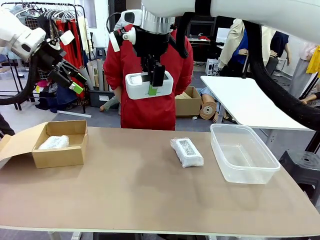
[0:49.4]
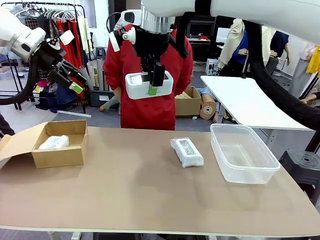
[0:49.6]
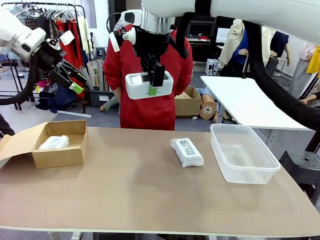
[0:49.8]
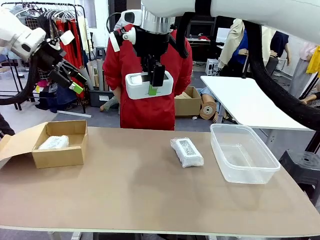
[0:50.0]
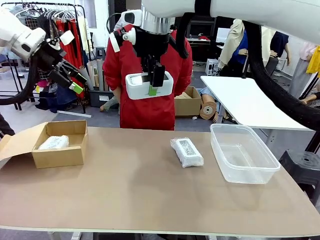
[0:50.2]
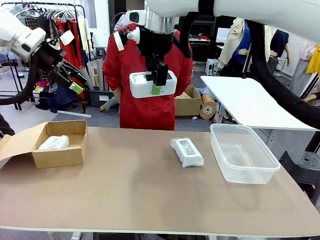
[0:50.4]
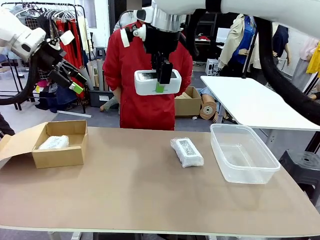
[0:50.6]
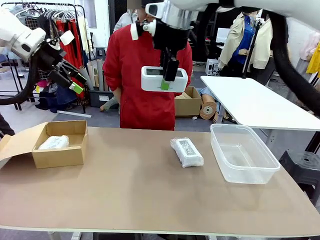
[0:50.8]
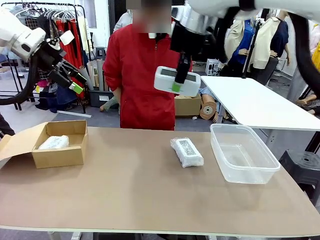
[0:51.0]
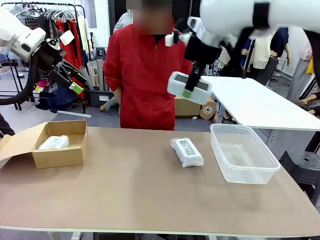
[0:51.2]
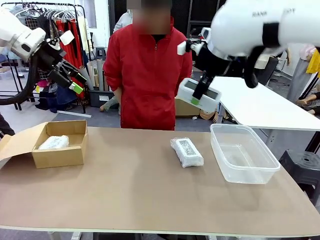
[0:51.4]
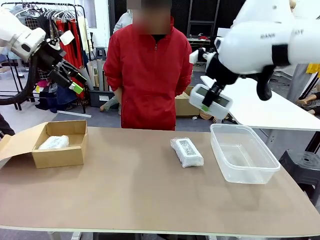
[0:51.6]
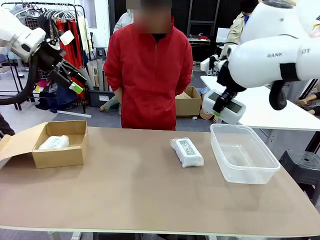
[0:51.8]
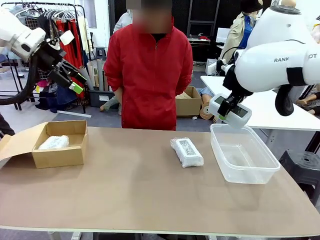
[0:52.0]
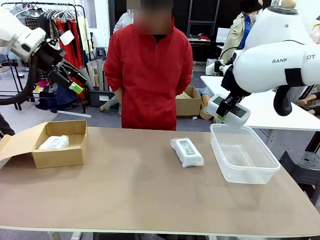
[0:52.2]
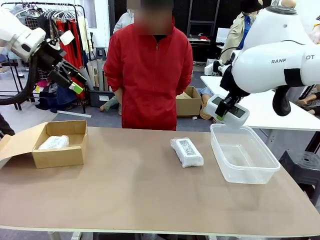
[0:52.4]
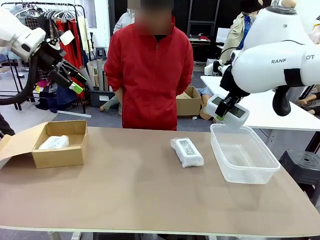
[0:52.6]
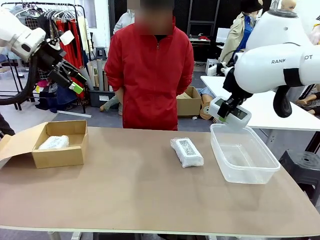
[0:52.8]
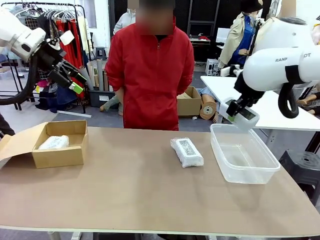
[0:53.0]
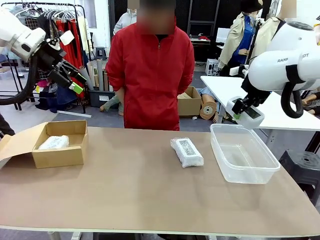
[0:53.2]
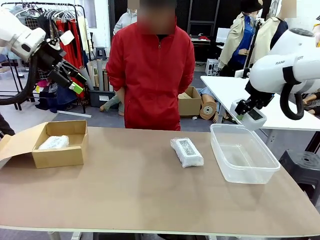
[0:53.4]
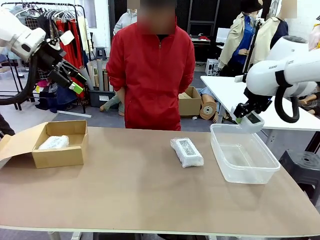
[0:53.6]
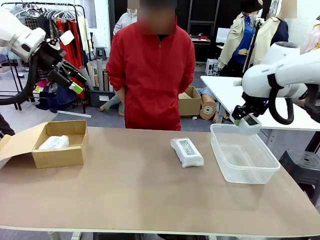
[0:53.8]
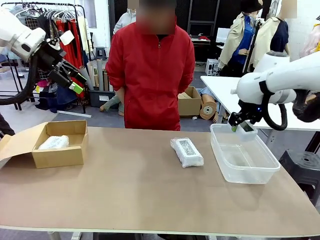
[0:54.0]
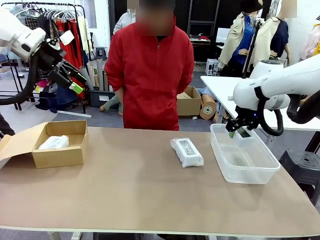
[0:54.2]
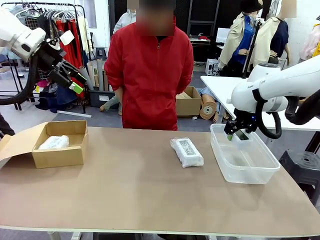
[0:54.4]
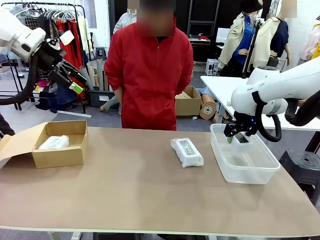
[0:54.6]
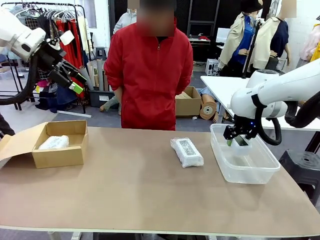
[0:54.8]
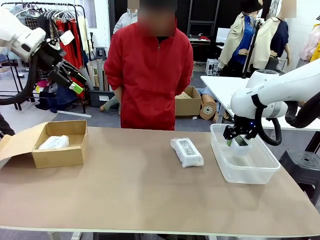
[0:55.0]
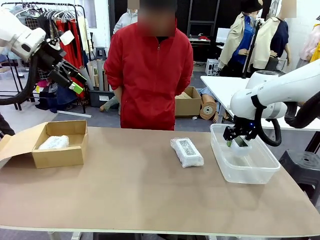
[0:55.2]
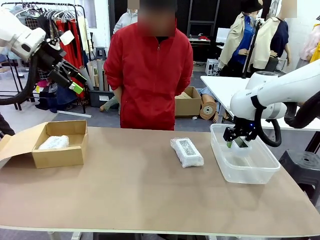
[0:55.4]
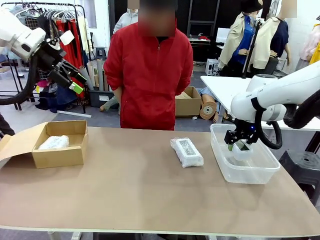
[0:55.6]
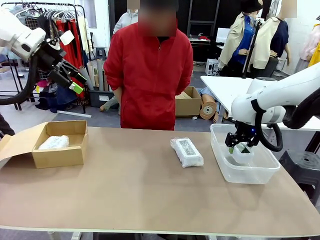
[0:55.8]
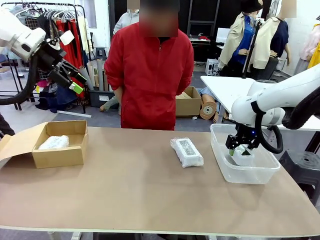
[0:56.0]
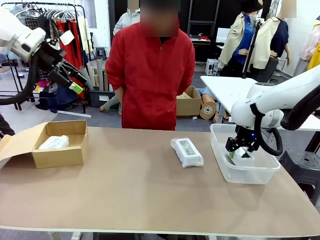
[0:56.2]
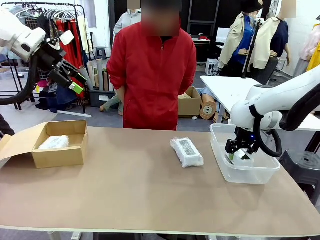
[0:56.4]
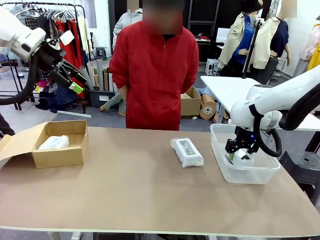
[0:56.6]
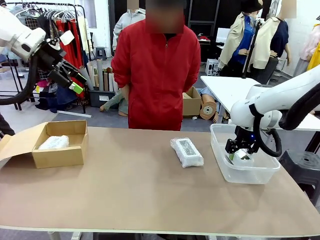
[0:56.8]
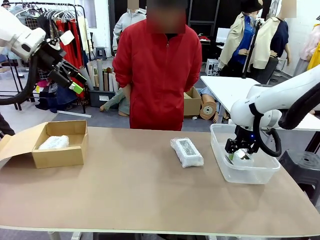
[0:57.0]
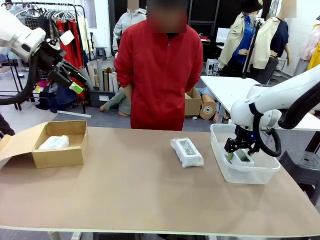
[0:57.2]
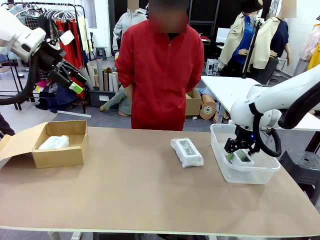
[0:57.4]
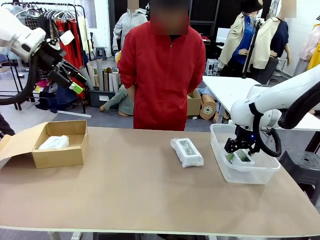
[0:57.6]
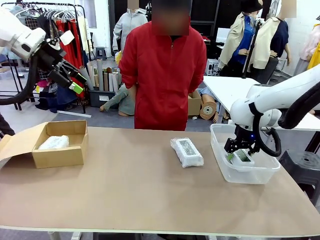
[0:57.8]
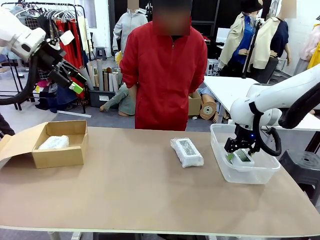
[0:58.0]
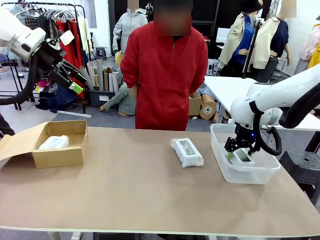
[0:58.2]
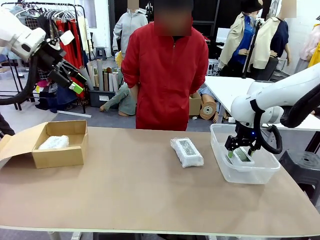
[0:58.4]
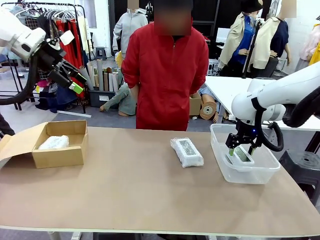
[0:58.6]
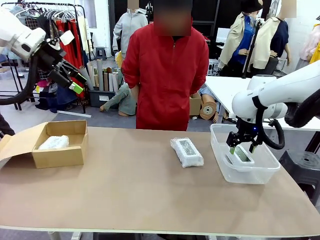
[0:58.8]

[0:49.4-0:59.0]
Task: Separate and place wrapped and unwrapped clocks.
Robot: If the picked Digital clock is wrapped, place it in the Package Box ; if not, place it in the Organizing box.

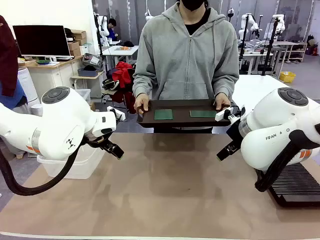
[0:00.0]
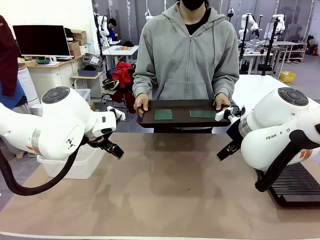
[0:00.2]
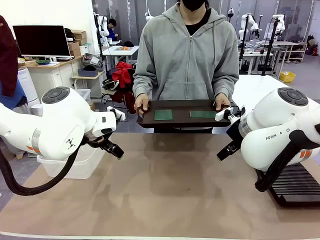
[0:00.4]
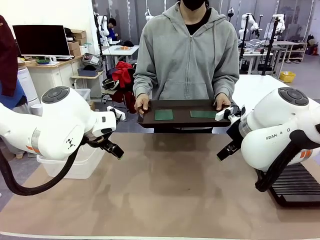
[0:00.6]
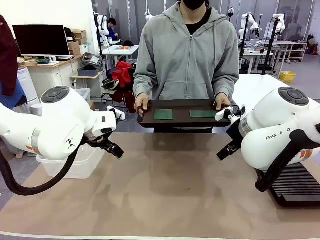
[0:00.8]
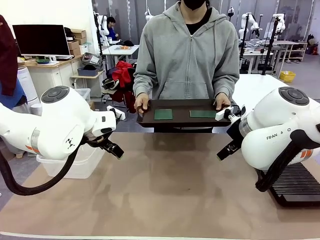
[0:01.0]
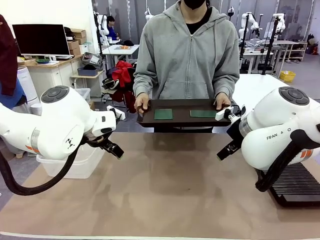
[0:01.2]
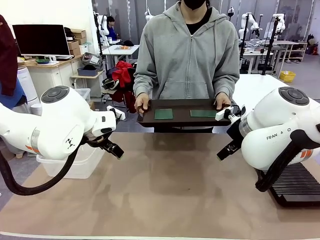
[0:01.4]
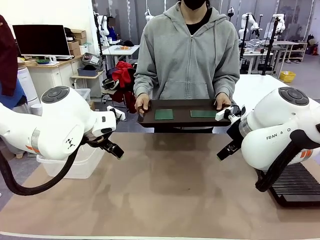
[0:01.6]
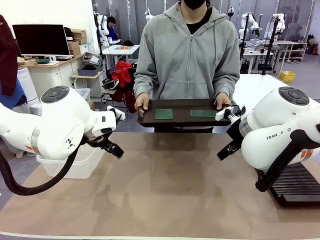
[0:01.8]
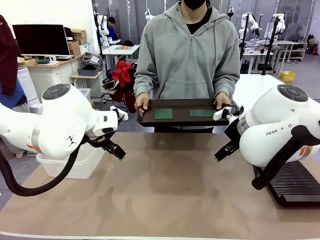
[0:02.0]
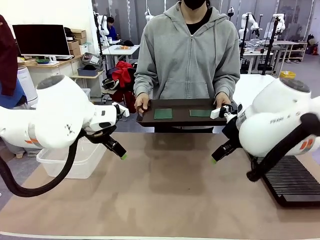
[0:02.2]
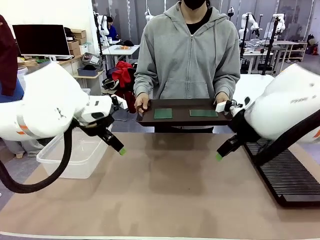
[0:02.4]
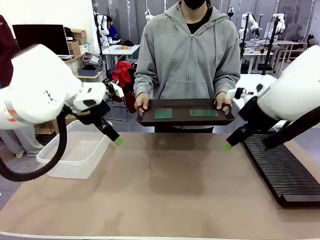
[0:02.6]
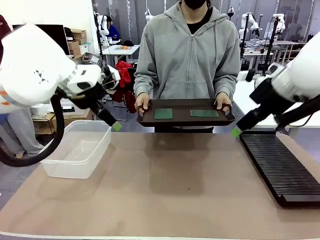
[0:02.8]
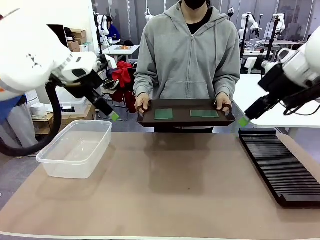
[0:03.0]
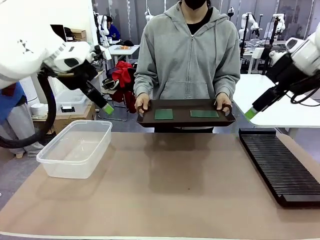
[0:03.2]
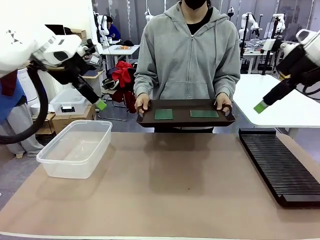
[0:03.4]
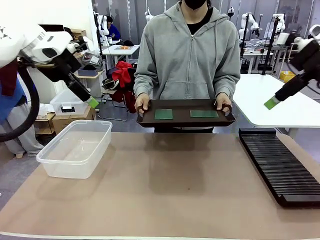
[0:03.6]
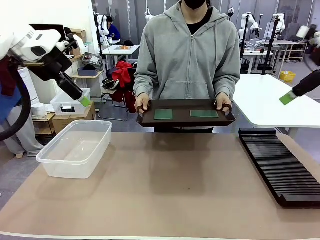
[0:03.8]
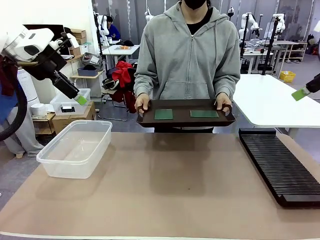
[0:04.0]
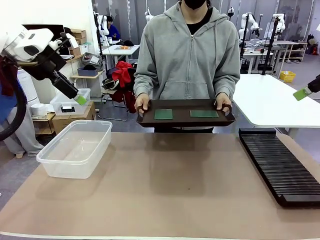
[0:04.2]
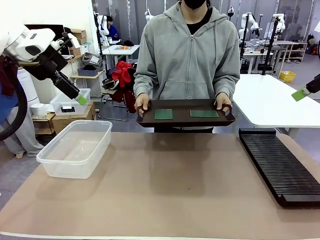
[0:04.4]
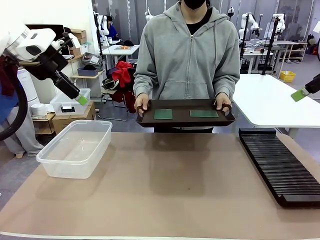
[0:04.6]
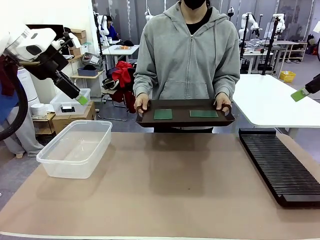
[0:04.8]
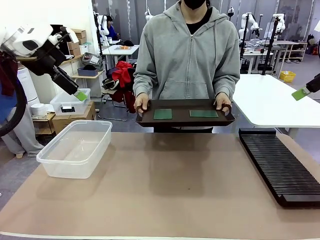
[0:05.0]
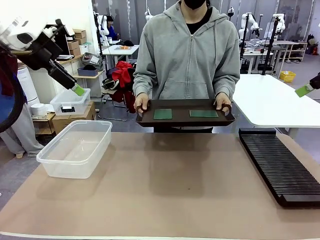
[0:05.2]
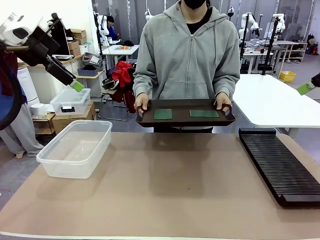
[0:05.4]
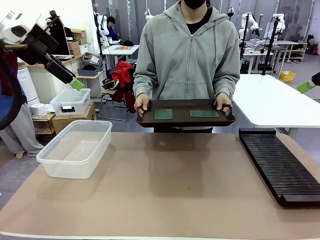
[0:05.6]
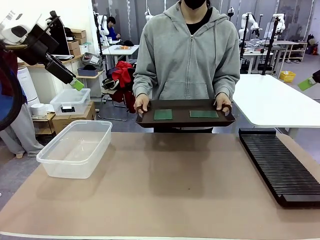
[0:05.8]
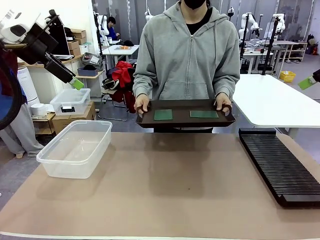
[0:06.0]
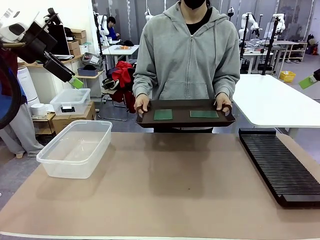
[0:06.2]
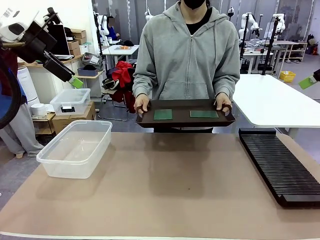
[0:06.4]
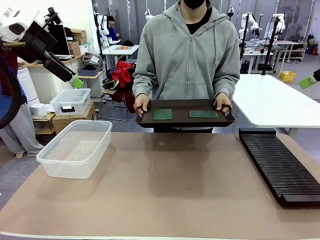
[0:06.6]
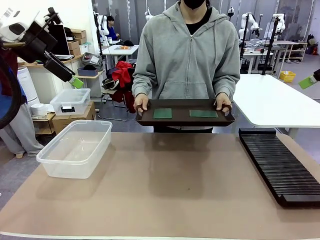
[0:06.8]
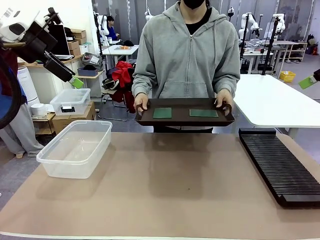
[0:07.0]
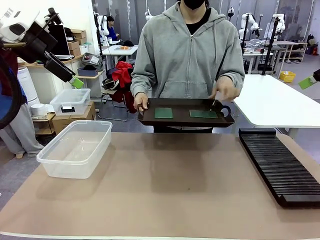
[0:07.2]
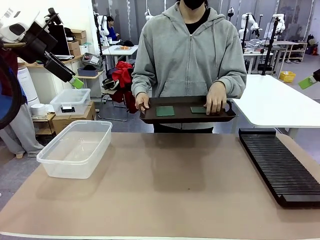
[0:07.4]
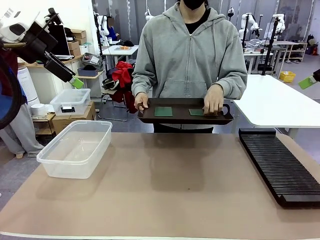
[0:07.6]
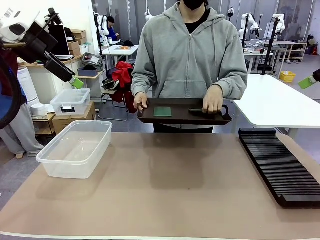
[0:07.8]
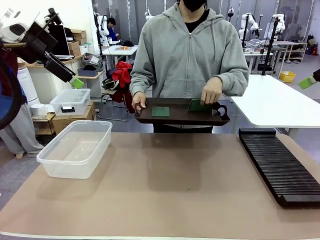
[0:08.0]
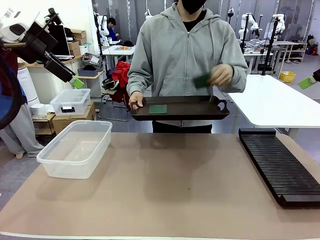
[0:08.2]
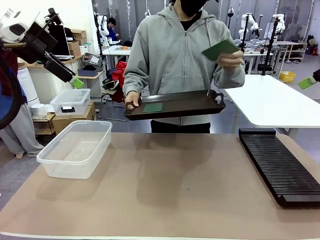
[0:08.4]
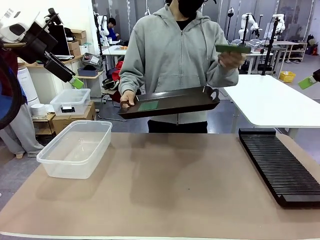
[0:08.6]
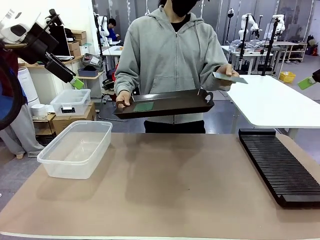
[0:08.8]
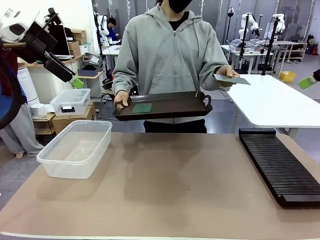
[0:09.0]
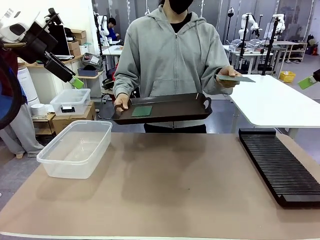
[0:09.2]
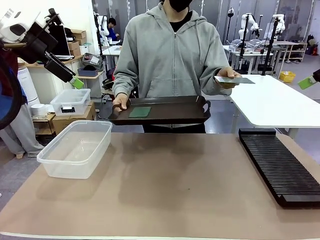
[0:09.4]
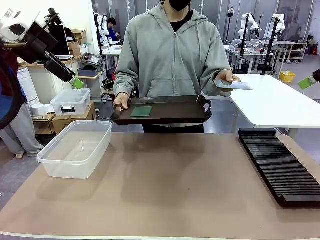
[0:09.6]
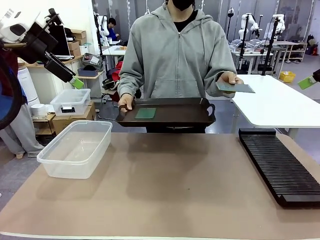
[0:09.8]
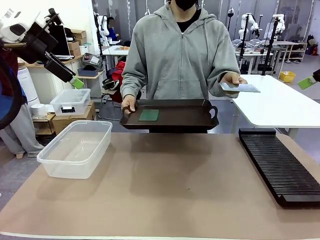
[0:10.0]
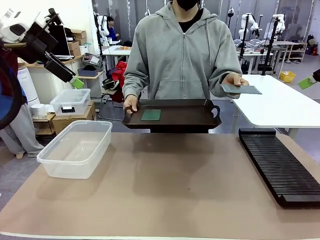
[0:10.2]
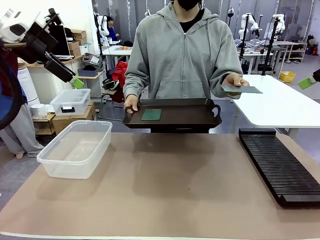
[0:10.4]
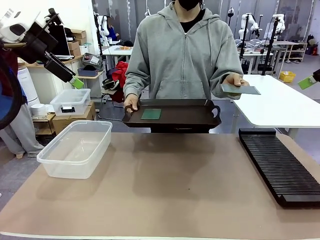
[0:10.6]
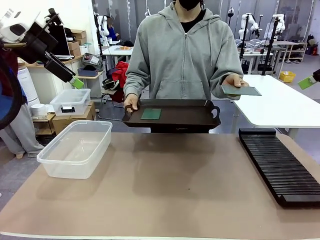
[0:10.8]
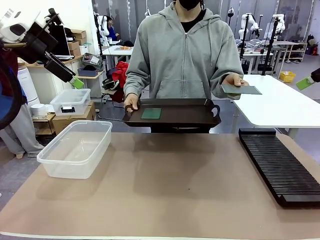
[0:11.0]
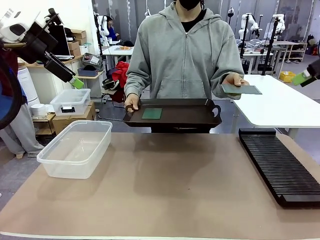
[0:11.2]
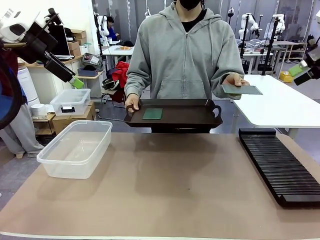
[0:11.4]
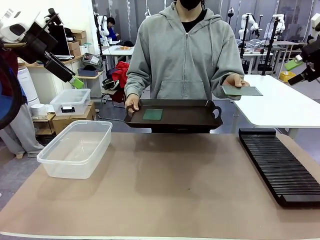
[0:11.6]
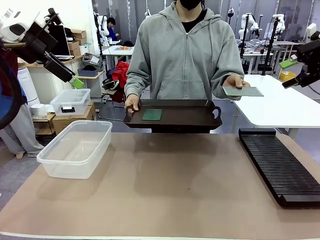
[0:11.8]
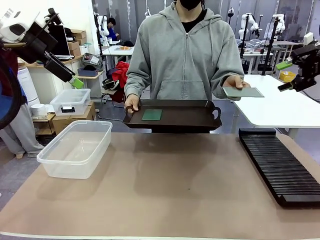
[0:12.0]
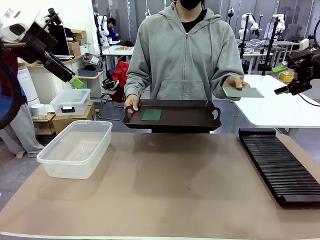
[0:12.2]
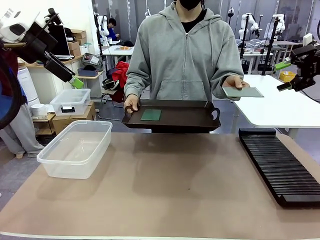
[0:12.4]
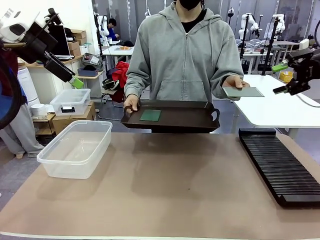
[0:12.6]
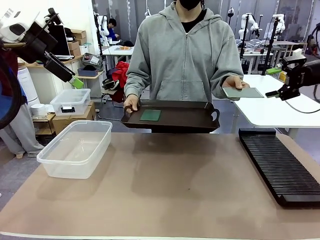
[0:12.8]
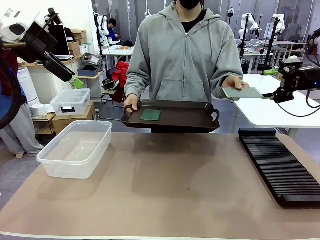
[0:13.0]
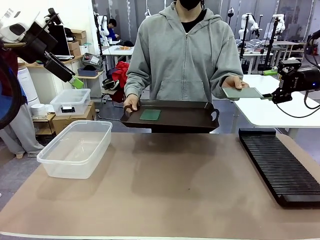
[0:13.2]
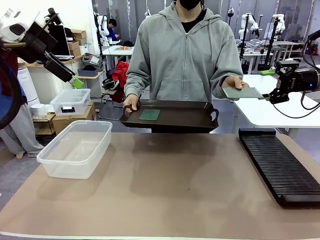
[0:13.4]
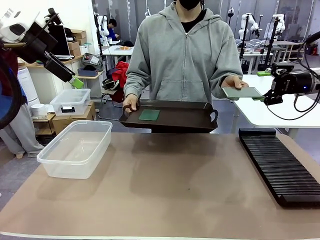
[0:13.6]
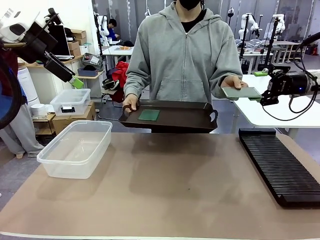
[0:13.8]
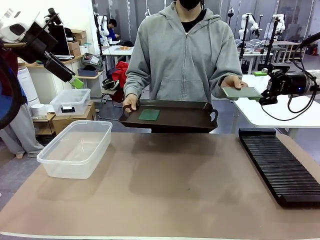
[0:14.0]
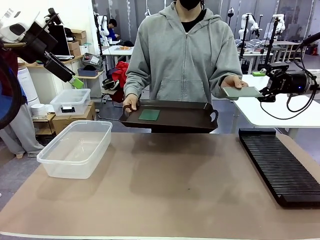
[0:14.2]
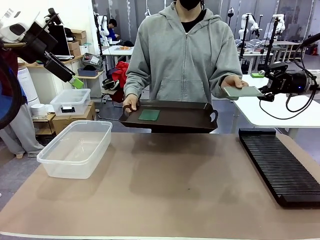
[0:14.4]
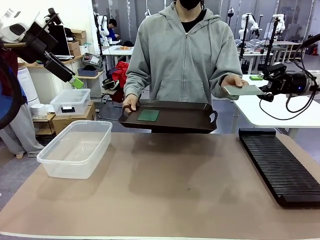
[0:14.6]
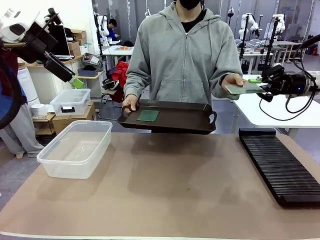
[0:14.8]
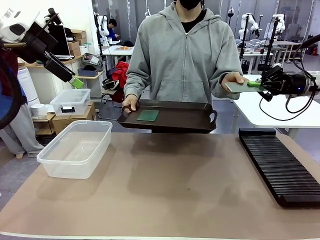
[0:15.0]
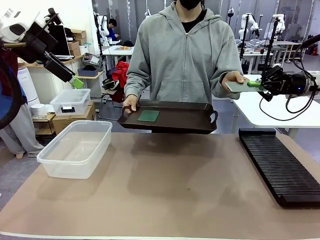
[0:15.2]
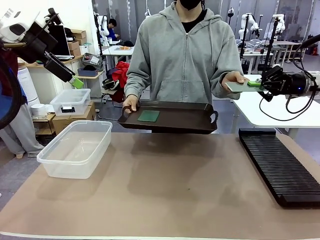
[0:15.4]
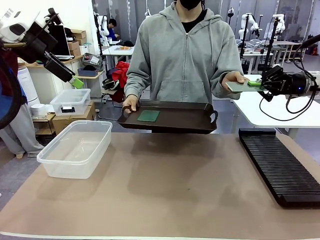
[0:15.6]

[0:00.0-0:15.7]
Task: Sort PCBs into racks and boxes based on the side picked up.
Robot: Pick up the Blank PCB handed by the Human.
Person: Pick one PCB from the tray and present it to the robot. Release the PCB being held.
